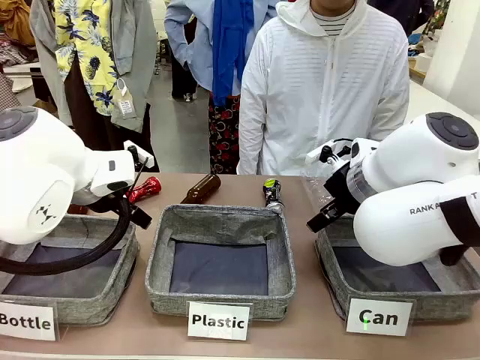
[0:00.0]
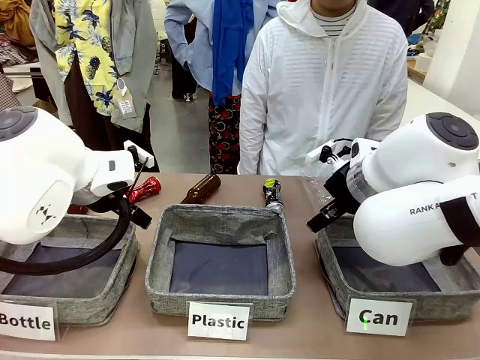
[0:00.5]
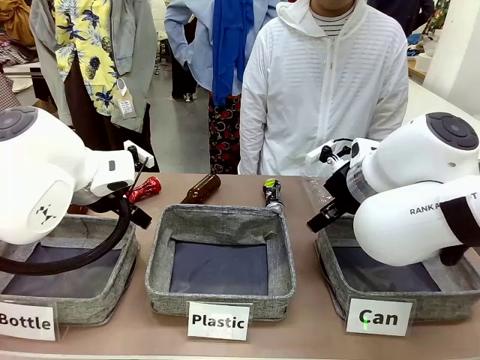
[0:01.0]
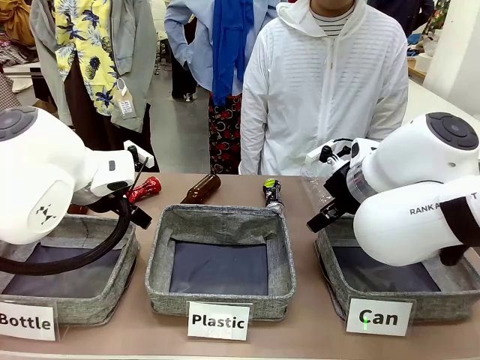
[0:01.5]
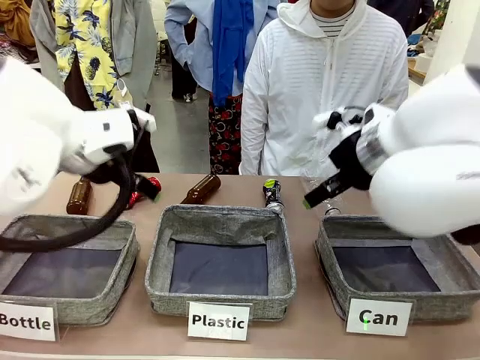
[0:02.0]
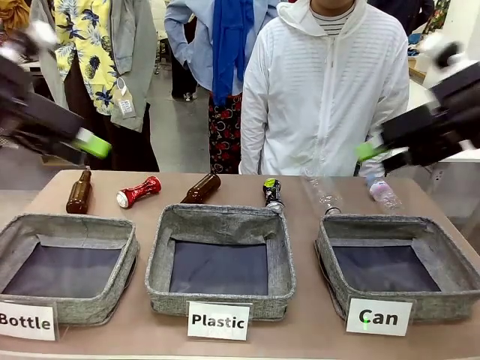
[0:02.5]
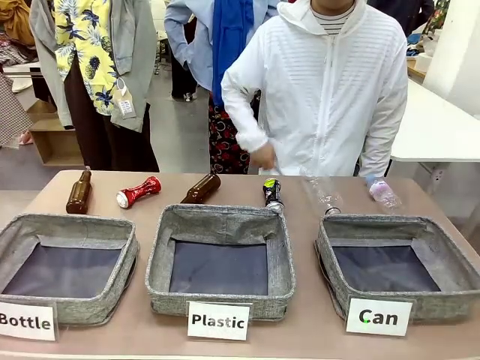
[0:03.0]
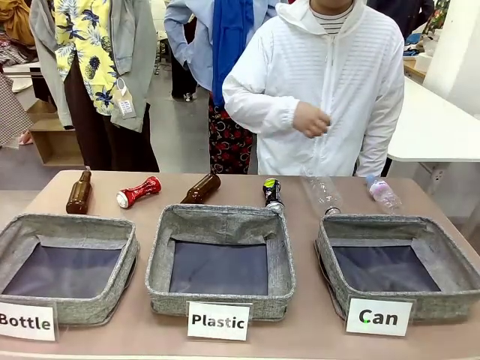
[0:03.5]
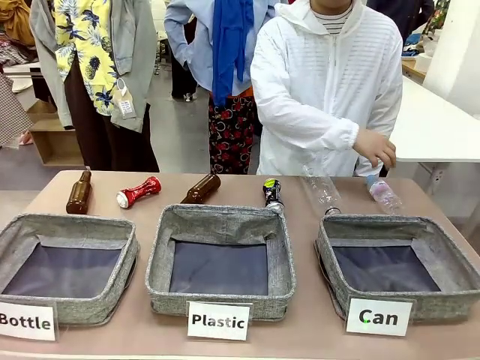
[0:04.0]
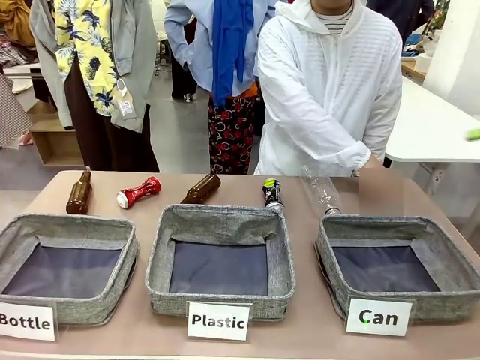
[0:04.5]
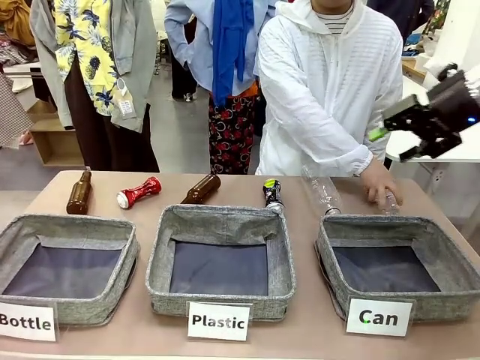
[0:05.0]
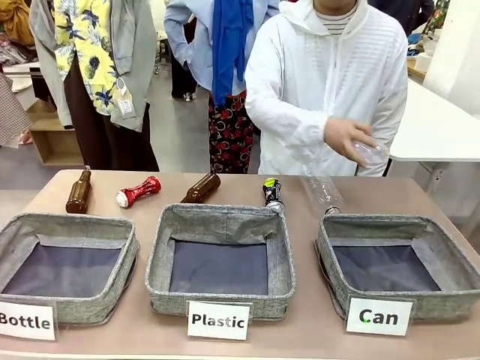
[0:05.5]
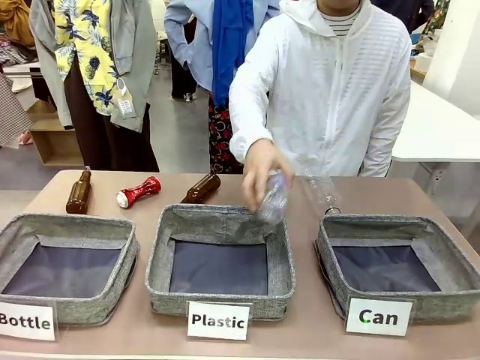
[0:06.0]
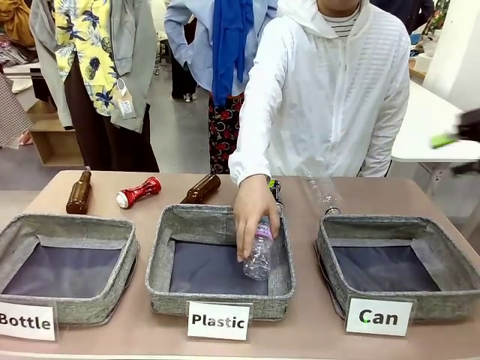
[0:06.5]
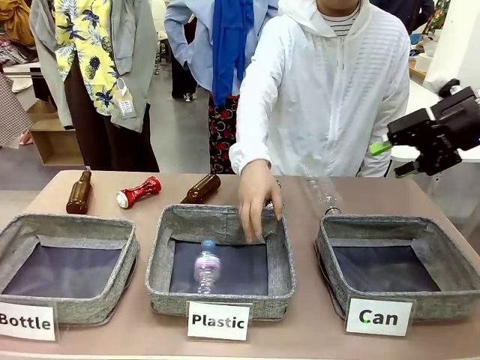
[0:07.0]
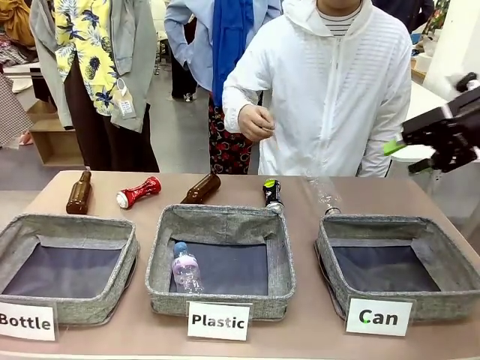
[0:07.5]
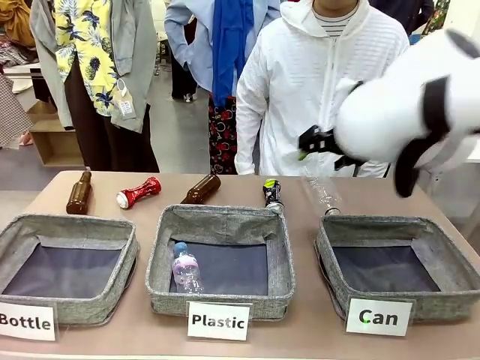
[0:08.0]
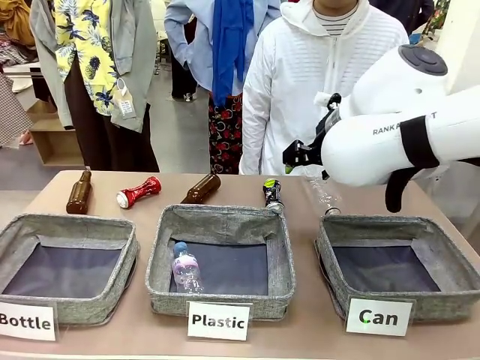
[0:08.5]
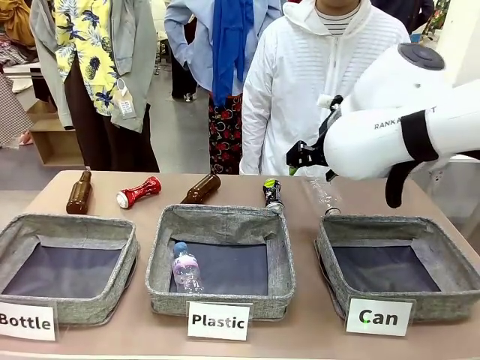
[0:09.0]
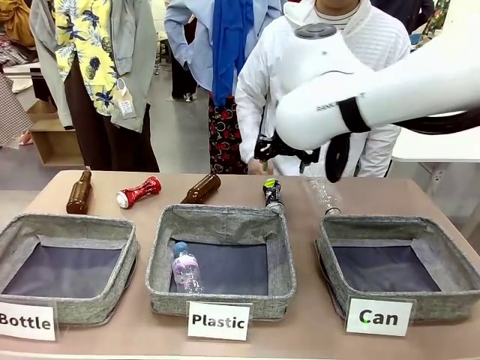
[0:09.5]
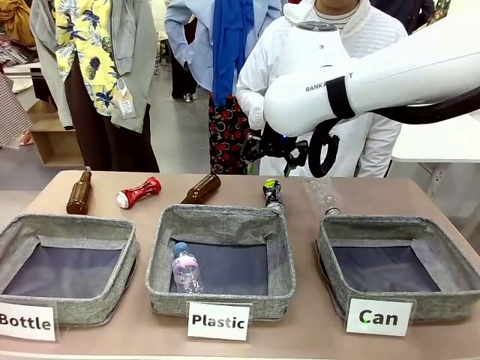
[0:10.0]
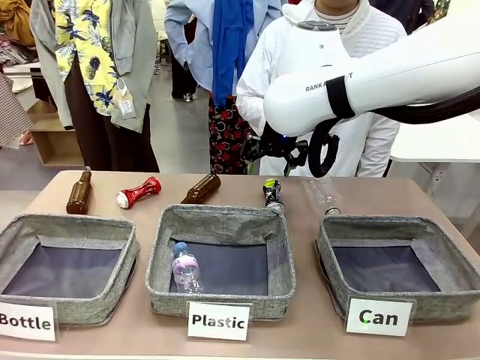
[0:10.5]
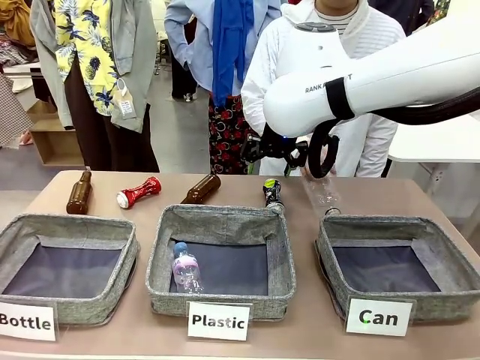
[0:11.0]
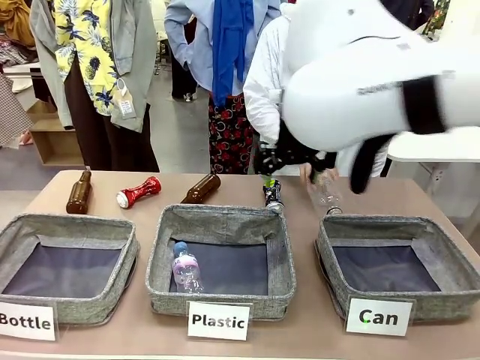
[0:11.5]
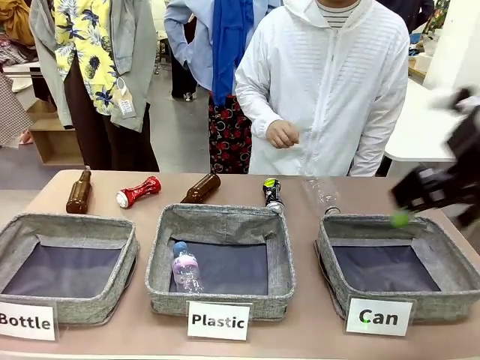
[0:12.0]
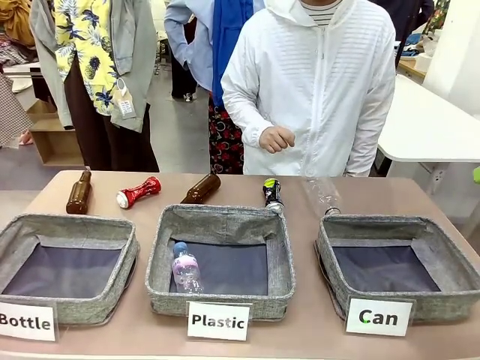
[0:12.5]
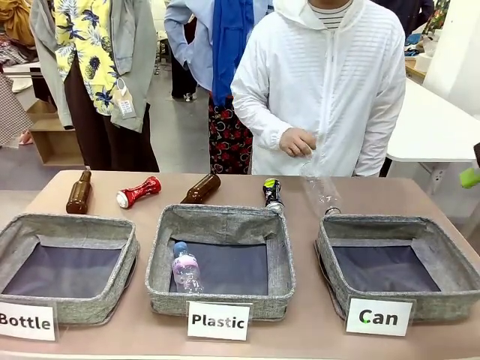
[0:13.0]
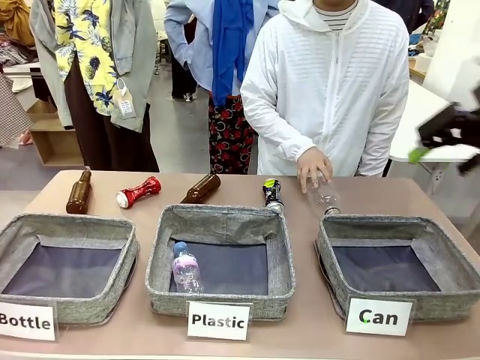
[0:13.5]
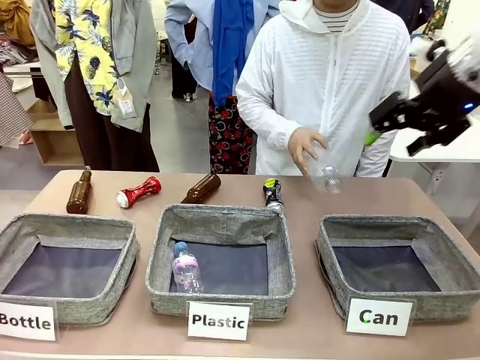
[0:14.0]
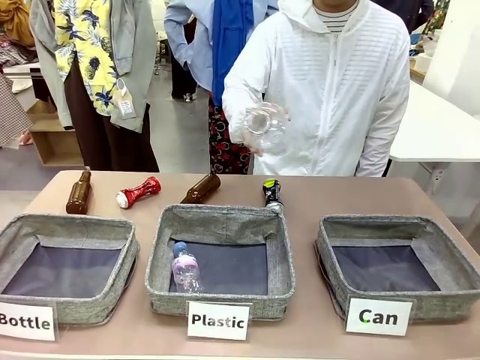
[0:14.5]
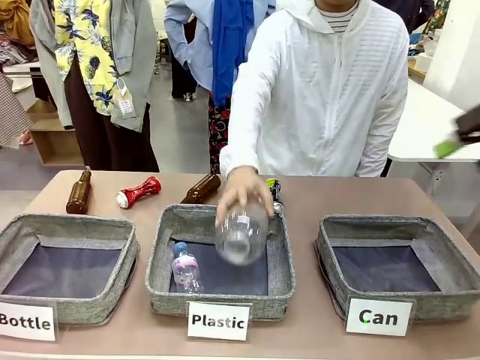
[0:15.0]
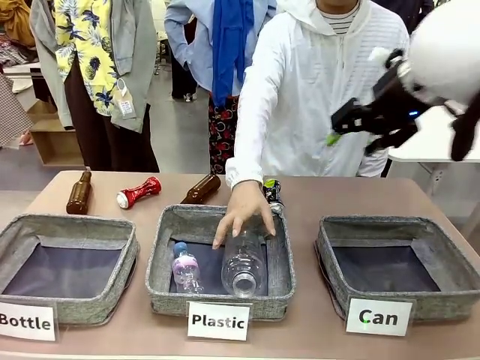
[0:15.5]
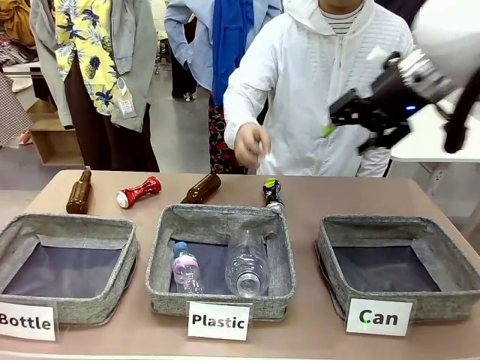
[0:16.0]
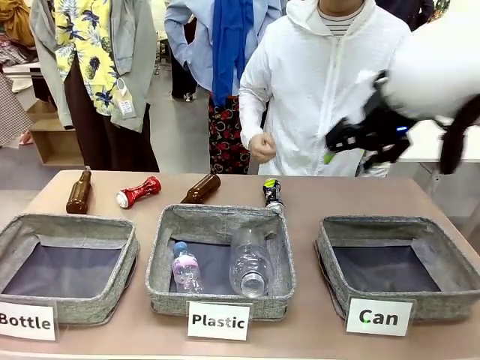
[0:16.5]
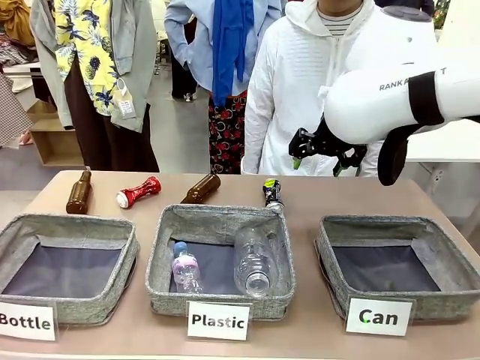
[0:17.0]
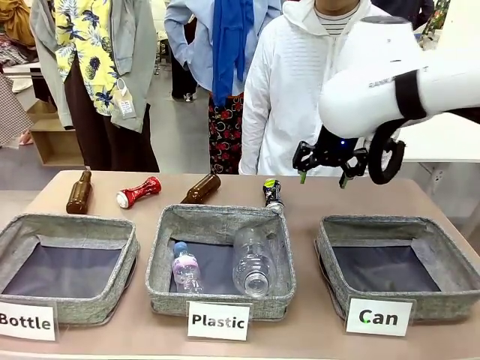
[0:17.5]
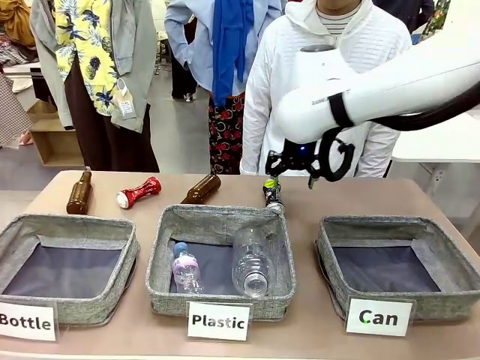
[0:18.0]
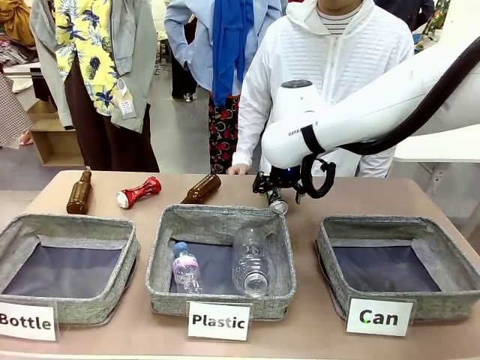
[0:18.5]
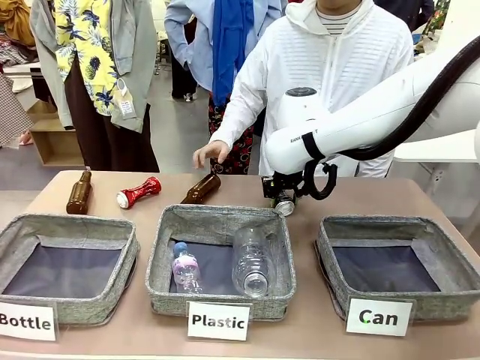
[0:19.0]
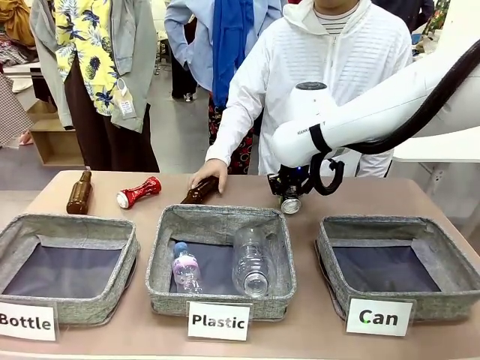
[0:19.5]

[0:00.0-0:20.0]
Task: Sort the can waste into the basket.
Robot: Pick up the can waste from the table and place it in the right Fabric basket.

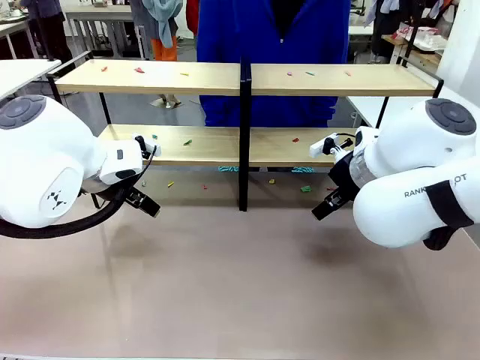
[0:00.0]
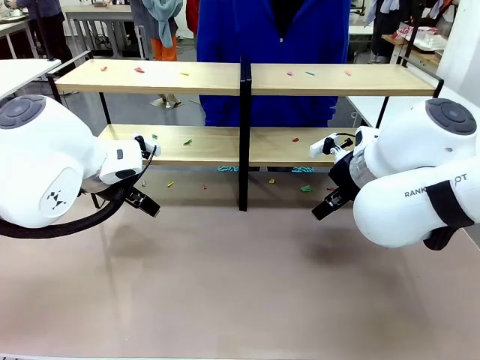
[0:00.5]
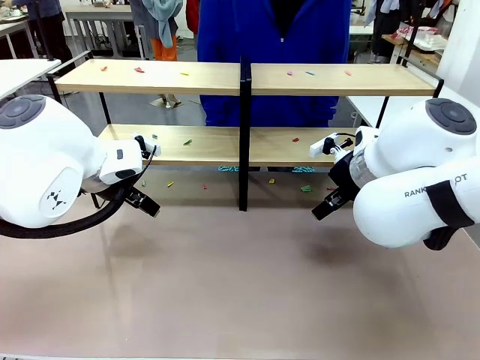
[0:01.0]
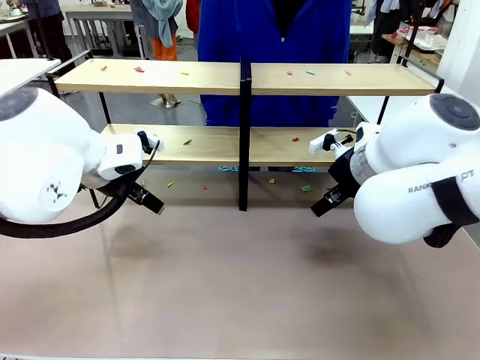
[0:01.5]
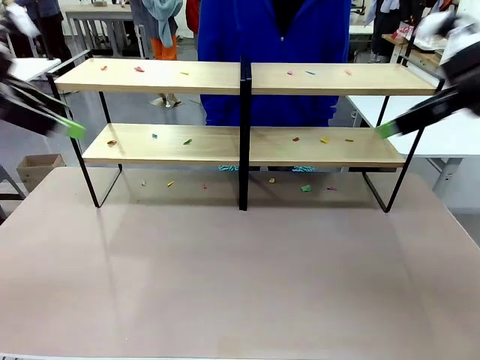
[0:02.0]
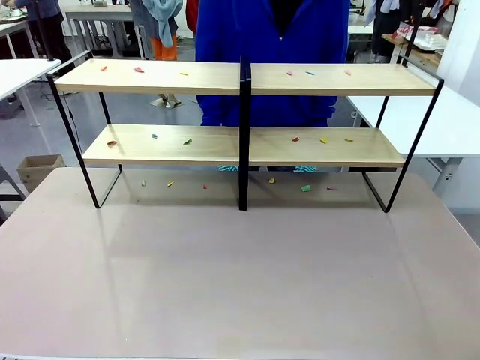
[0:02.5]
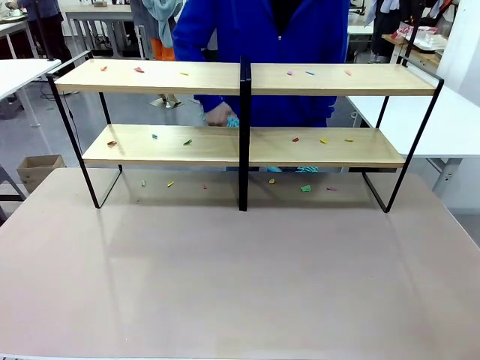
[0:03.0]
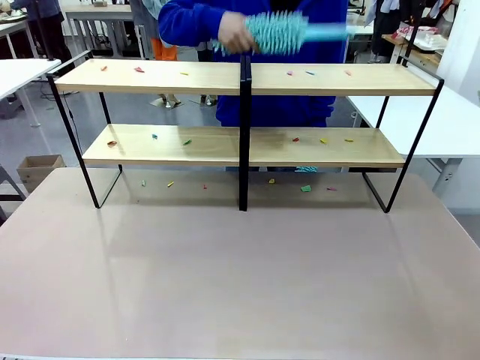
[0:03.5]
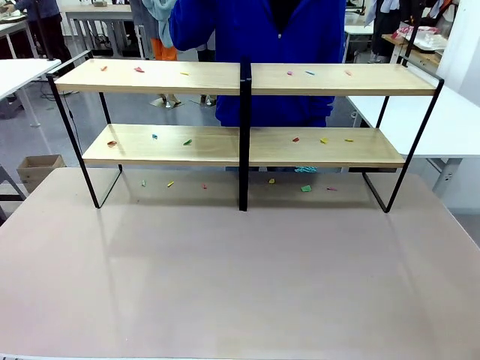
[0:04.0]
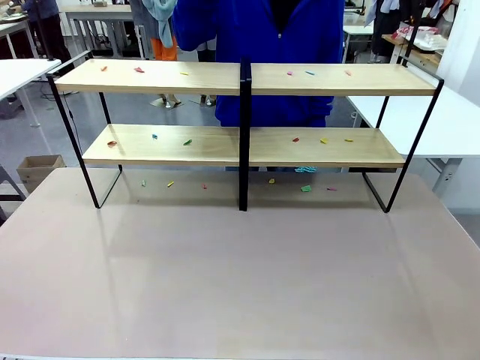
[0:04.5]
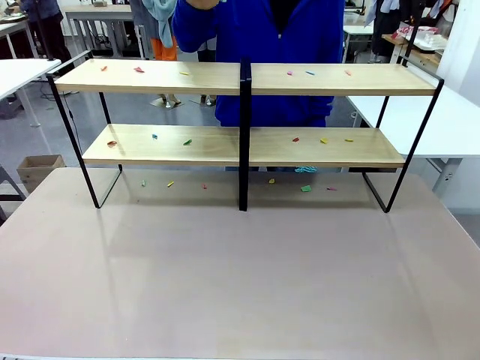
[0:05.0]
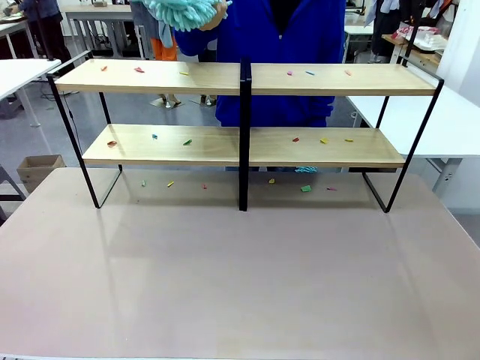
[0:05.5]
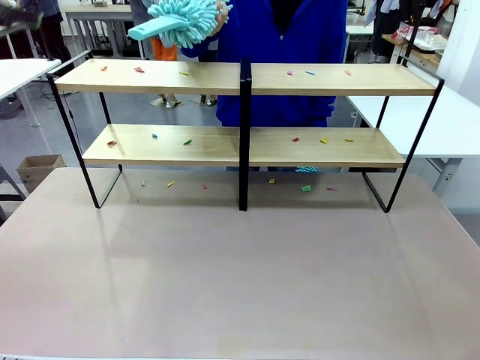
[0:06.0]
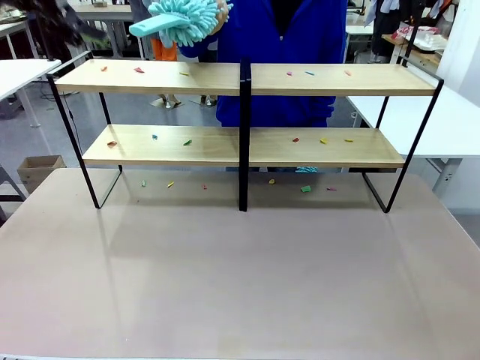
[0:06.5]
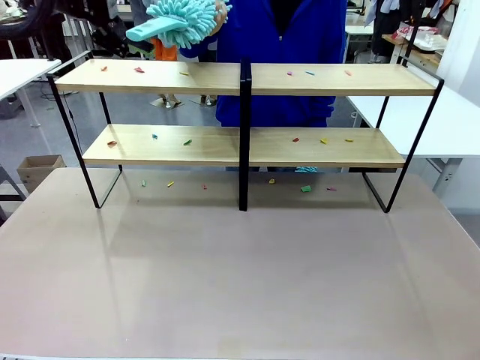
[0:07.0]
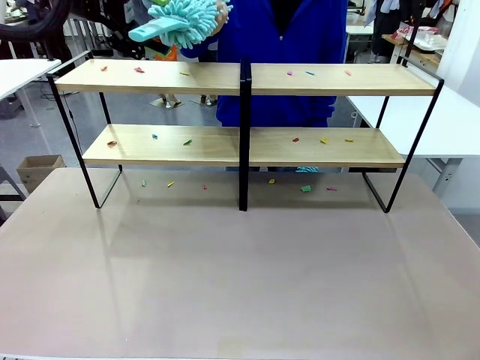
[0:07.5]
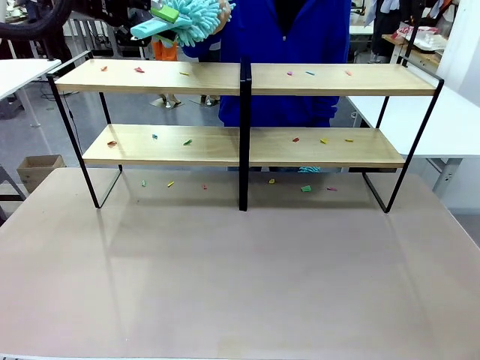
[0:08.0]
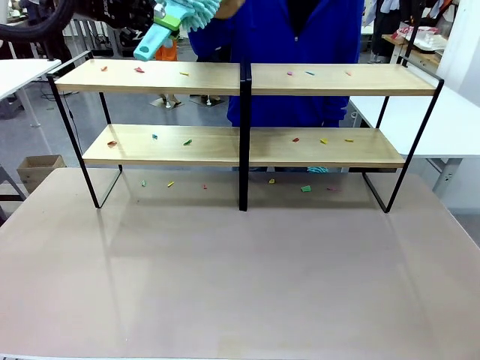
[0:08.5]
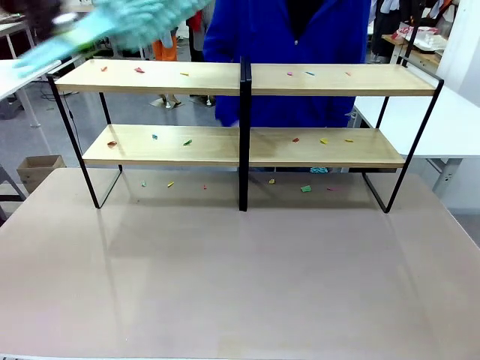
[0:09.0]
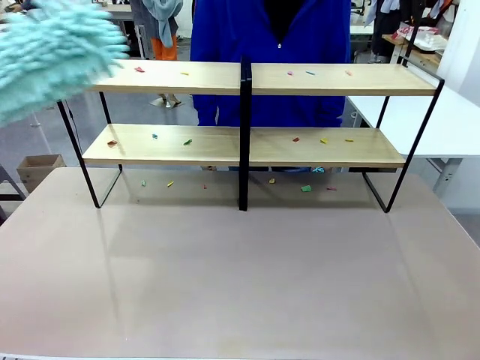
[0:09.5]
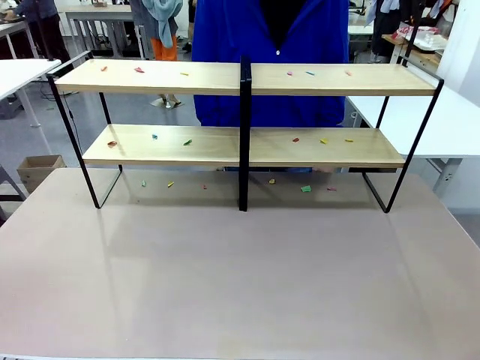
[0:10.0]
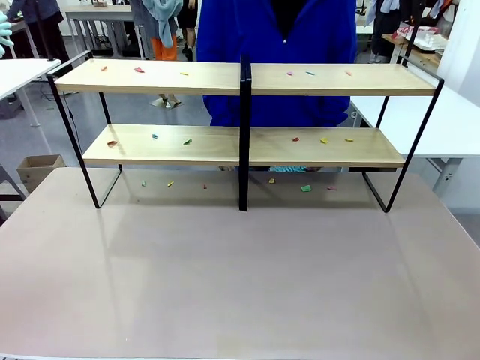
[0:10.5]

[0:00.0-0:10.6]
Task: Clean the shelves.
Robot: Pick up the Duster when the human hands it over.
Person: Hand the Duster to the robot with your right (or left) hand.
